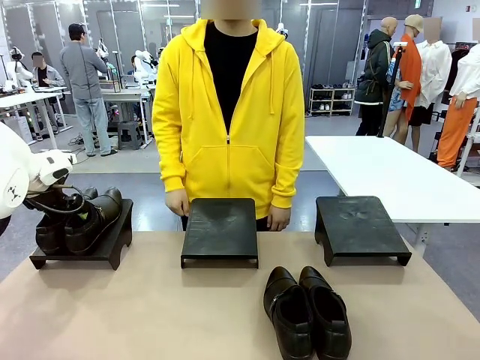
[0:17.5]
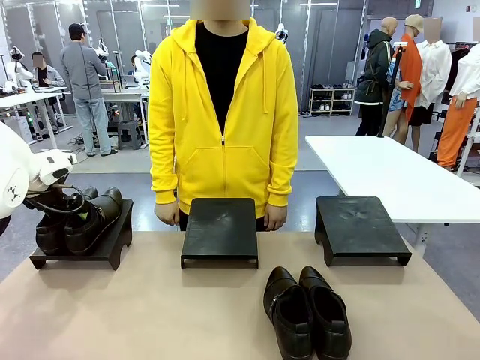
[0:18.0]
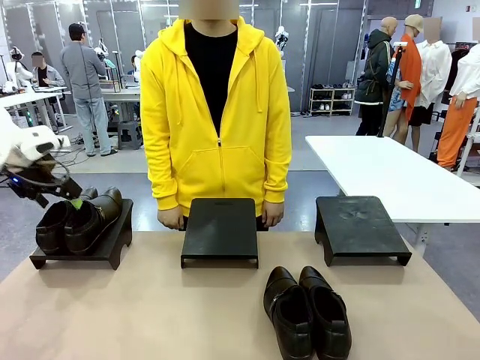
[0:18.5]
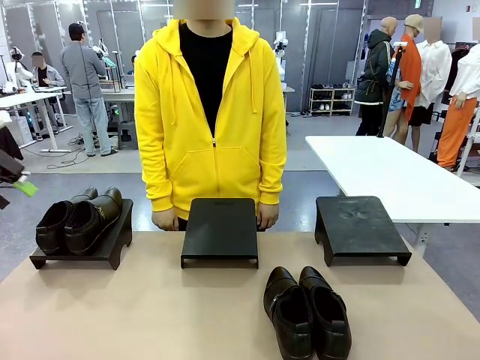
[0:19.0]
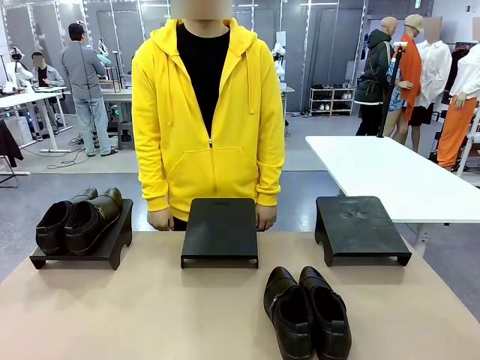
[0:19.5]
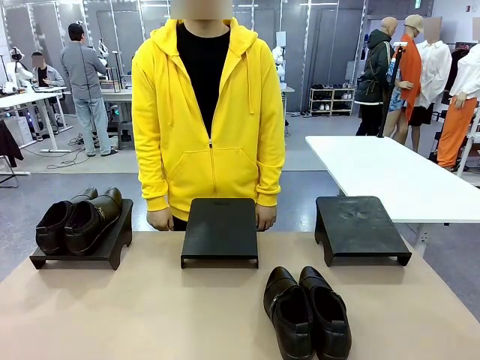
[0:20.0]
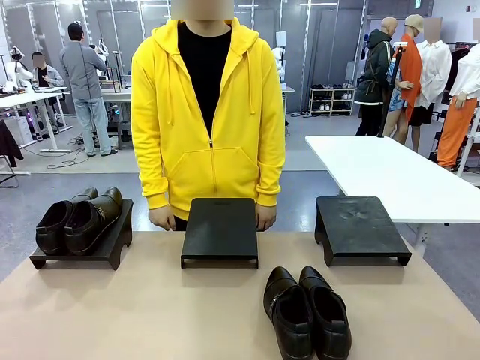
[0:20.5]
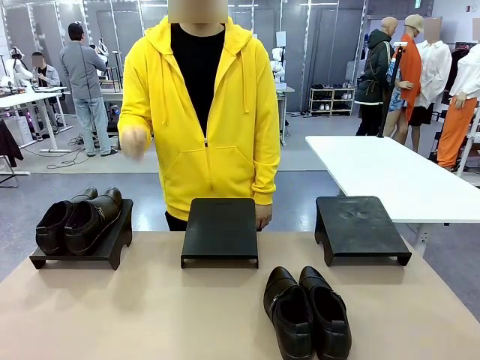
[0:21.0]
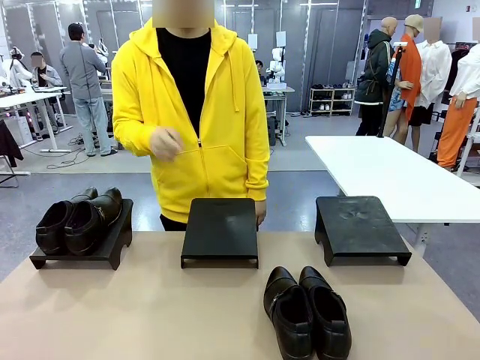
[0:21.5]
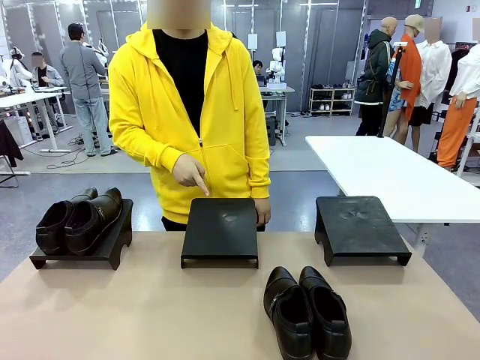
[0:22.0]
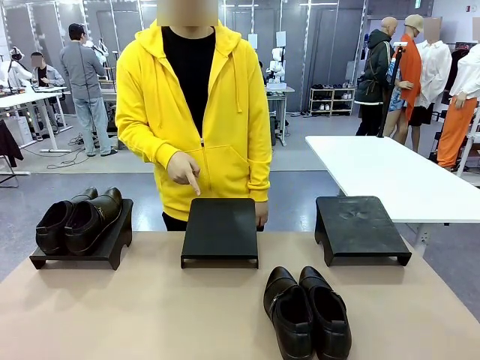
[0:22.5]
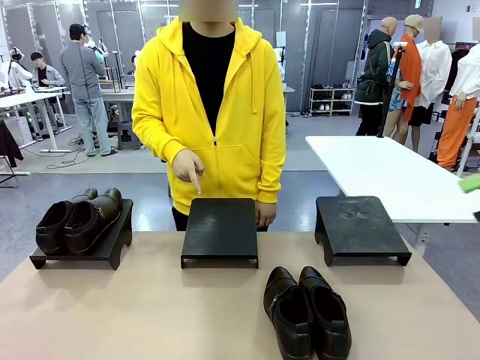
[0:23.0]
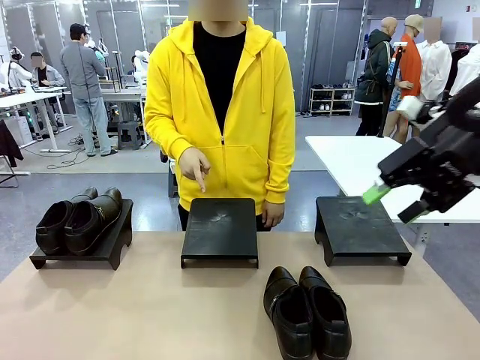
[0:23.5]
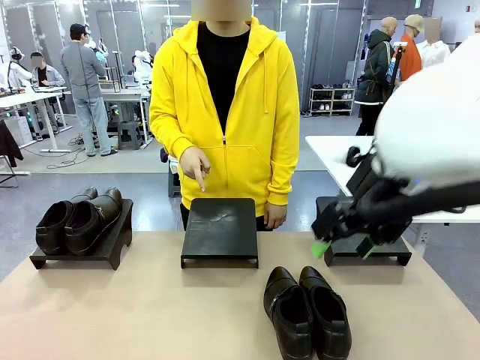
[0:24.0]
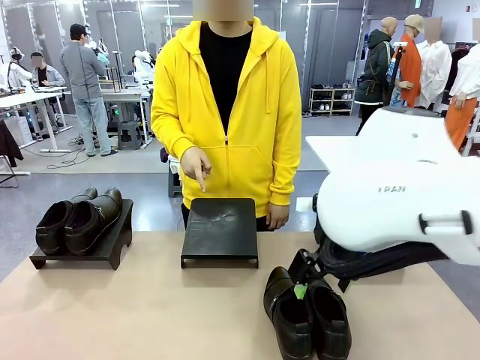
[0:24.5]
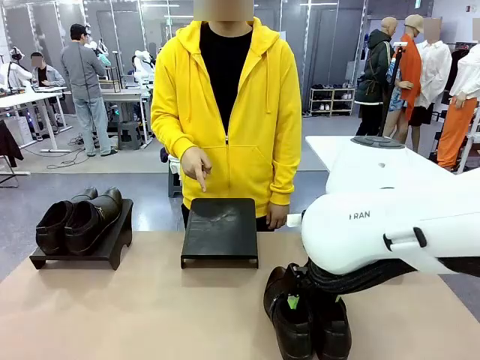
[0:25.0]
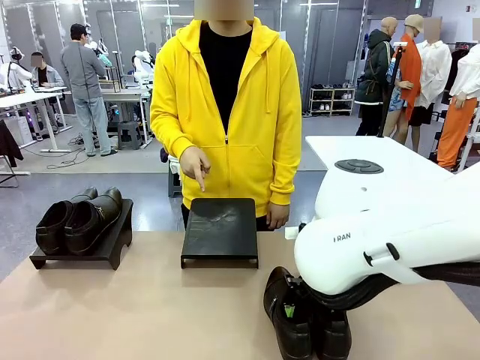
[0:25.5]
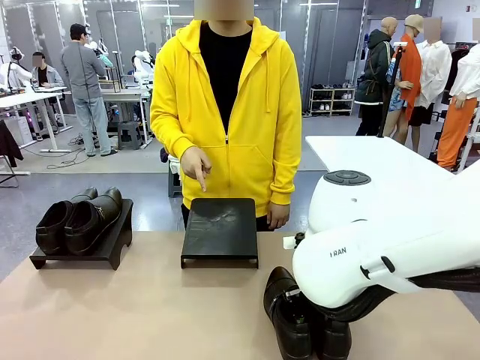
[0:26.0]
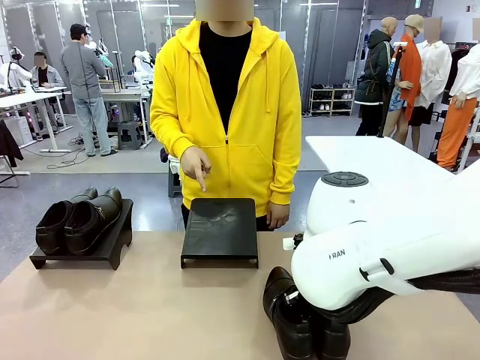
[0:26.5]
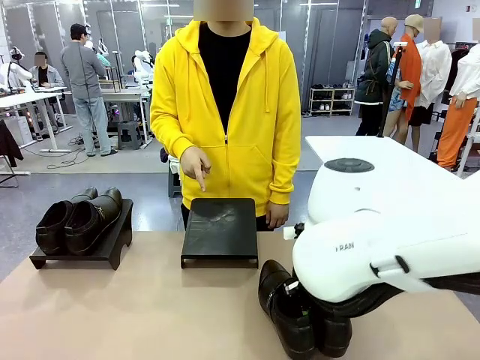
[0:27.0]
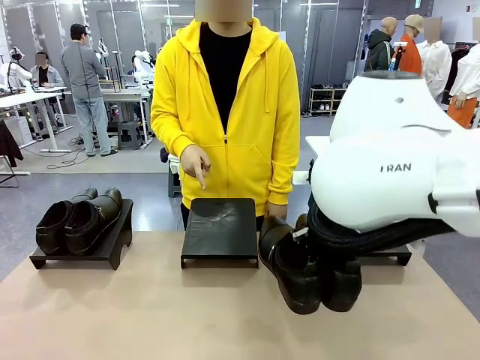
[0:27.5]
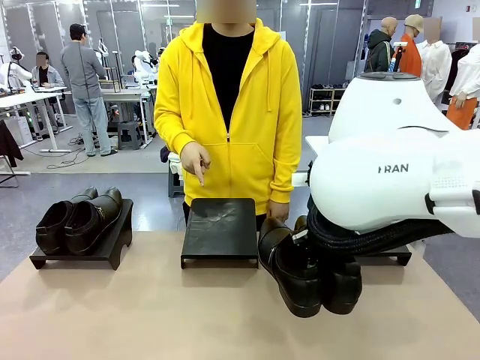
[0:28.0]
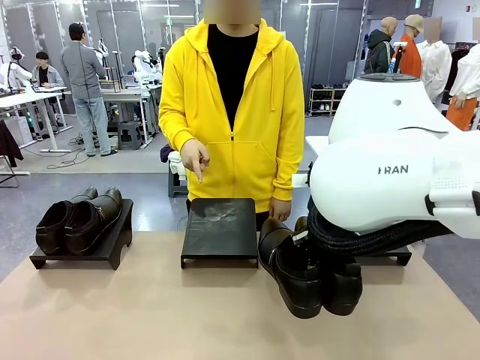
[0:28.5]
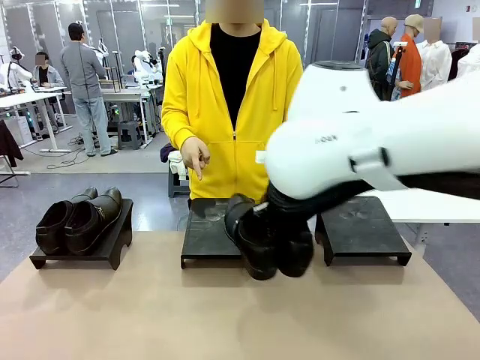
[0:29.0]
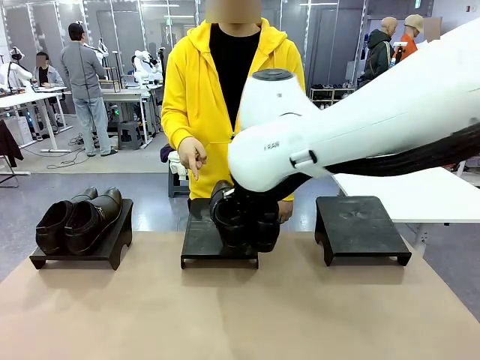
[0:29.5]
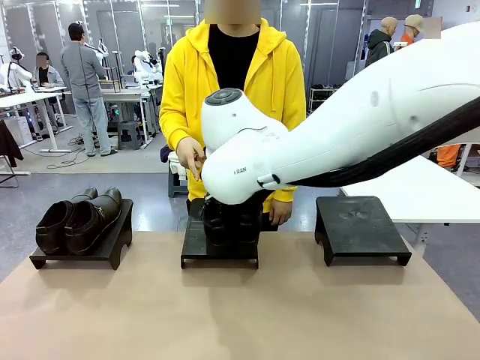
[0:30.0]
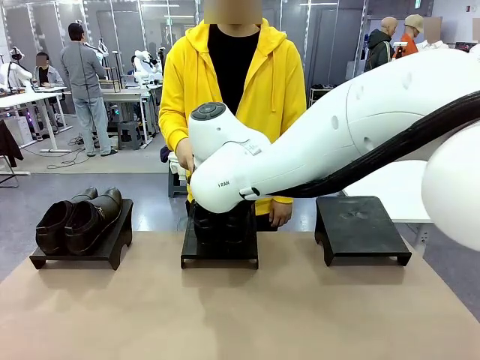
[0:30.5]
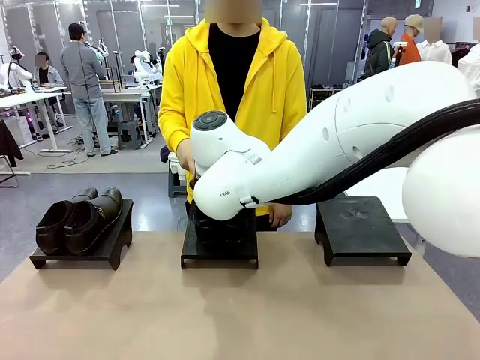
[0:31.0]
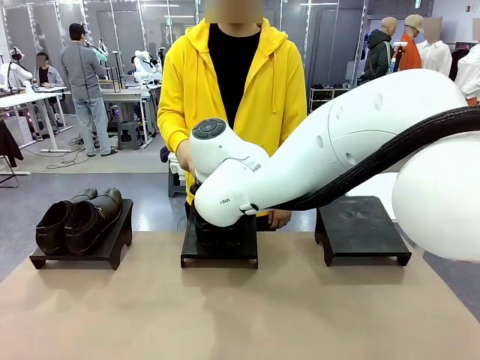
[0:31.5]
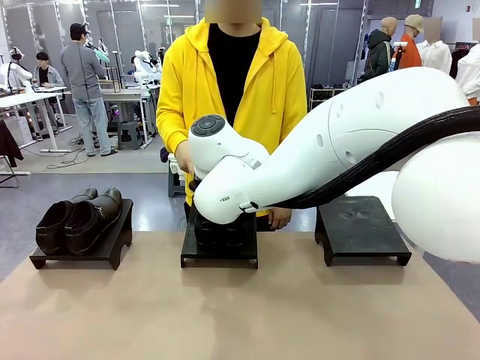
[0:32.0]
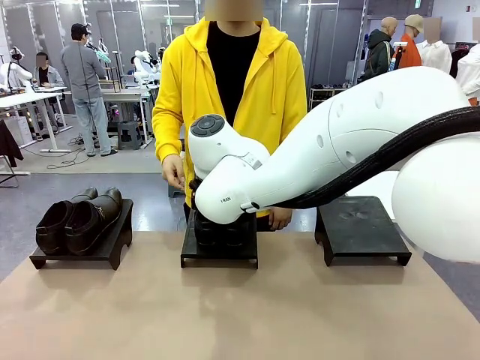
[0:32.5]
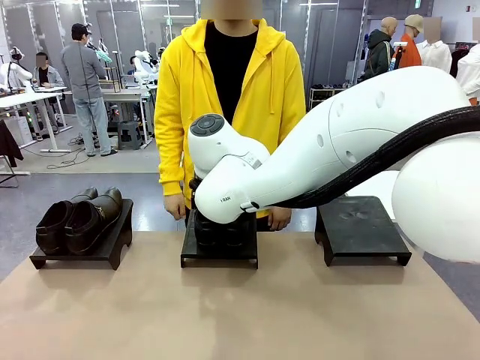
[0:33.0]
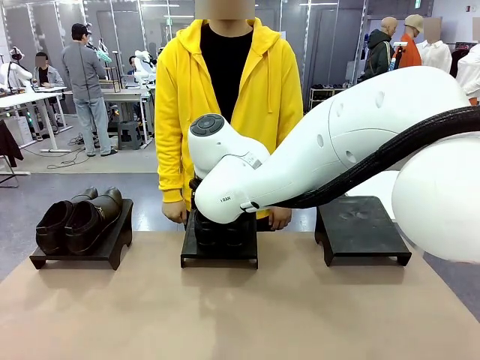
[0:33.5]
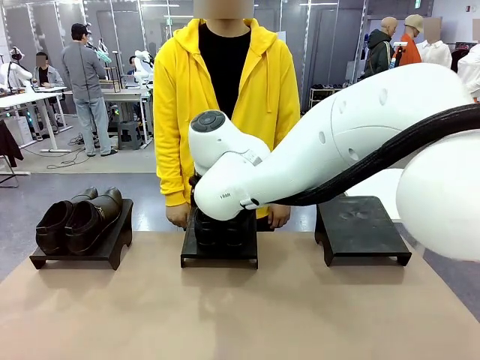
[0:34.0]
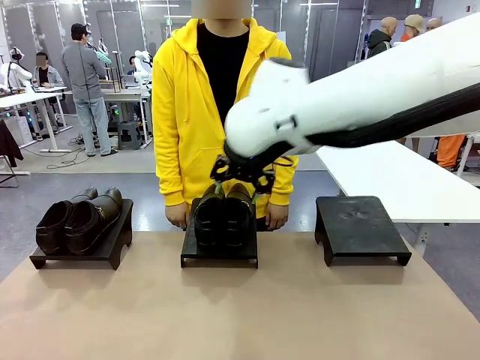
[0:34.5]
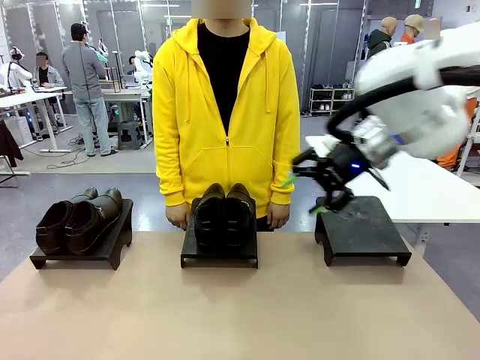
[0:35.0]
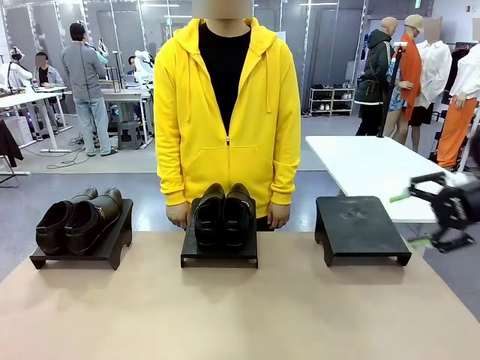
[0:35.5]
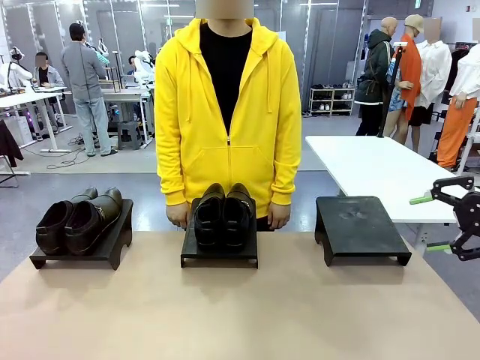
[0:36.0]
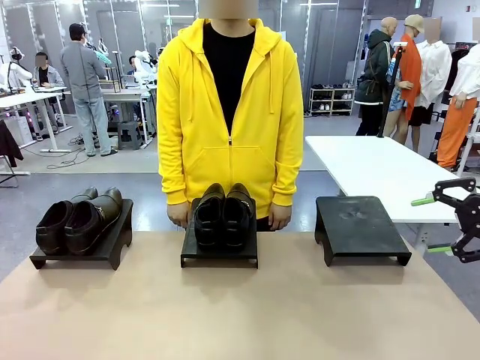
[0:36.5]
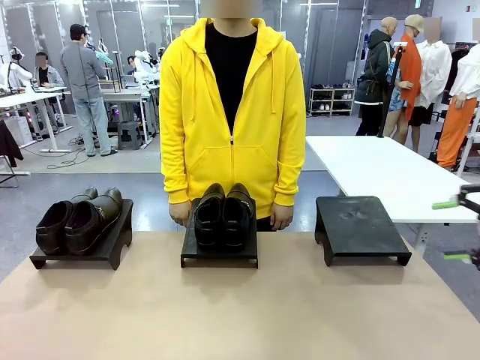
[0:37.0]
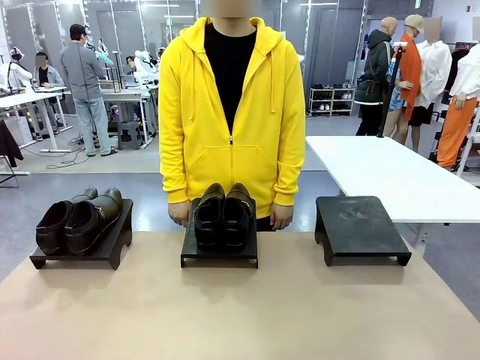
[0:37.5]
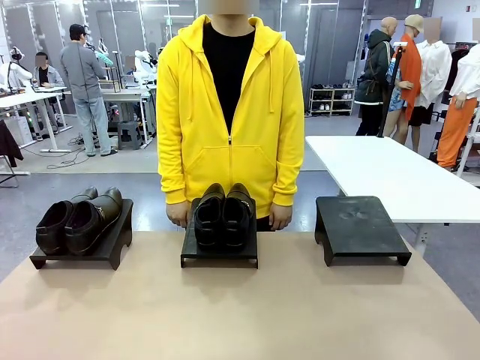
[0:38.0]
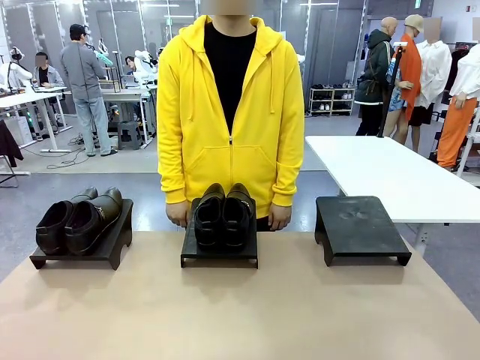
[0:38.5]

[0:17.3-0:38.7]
Task: Place the shoes on the stand as instructed by the person.
Robot: Pick up another pair of Shoes and place it on the Shoes Stand indicated by the person.
Person: Point to one Shoes Stand.

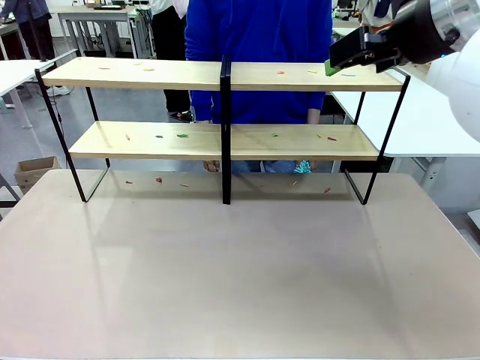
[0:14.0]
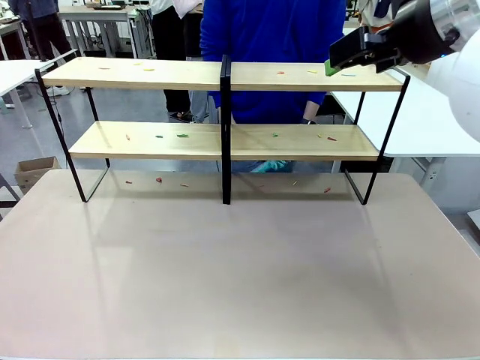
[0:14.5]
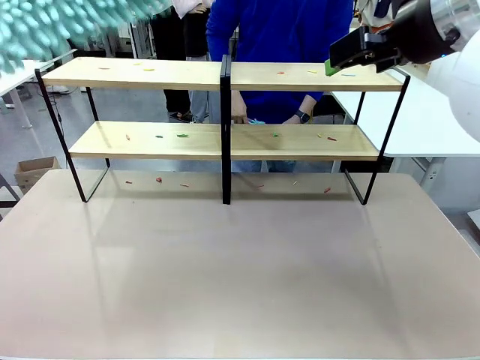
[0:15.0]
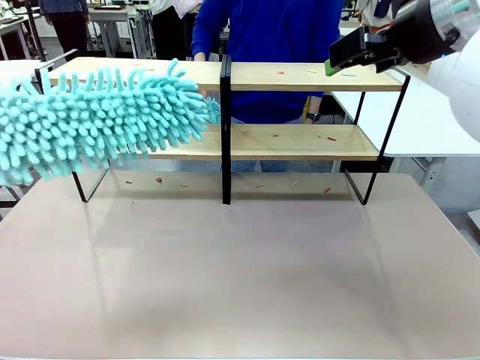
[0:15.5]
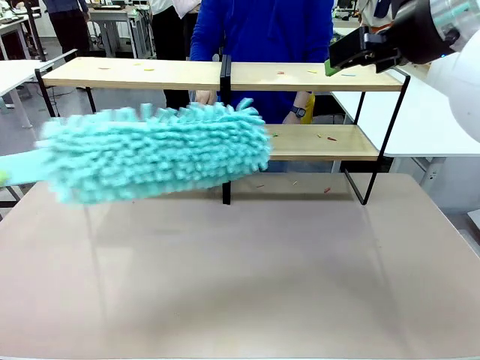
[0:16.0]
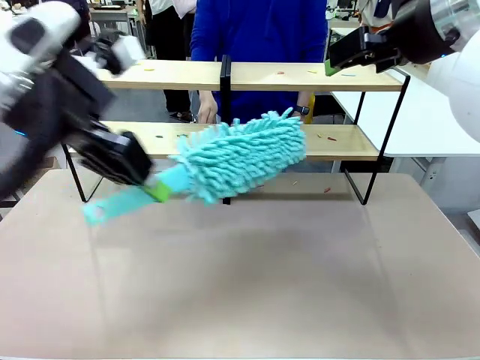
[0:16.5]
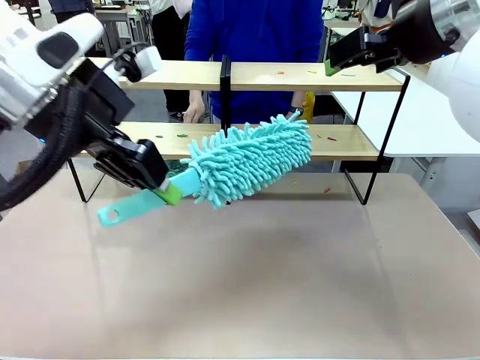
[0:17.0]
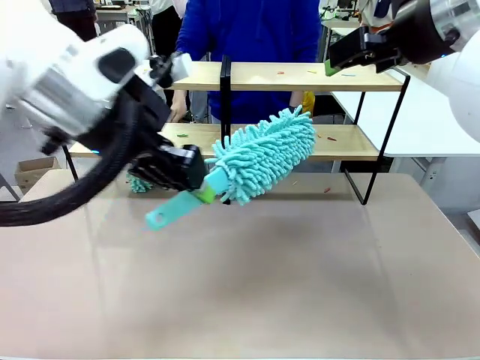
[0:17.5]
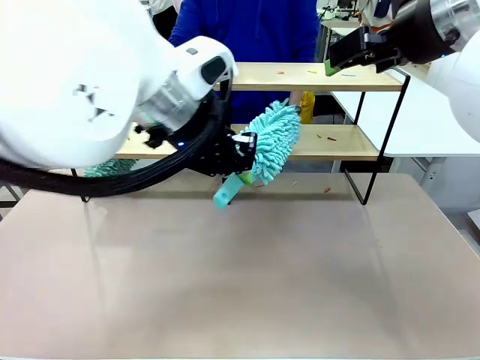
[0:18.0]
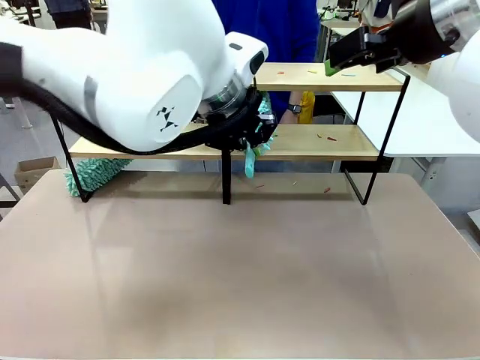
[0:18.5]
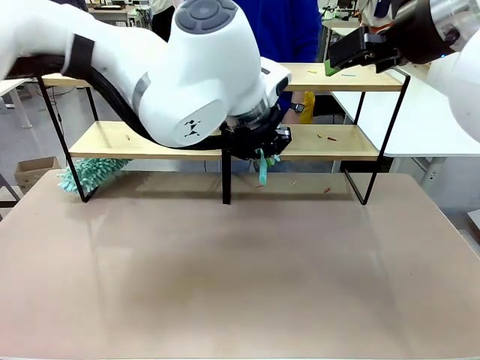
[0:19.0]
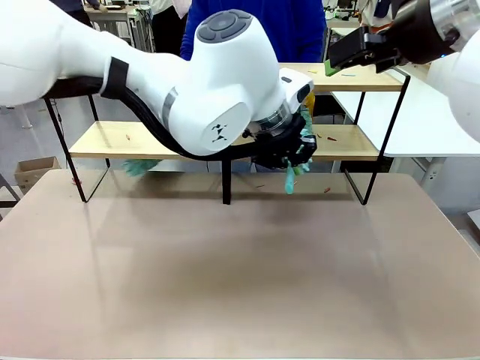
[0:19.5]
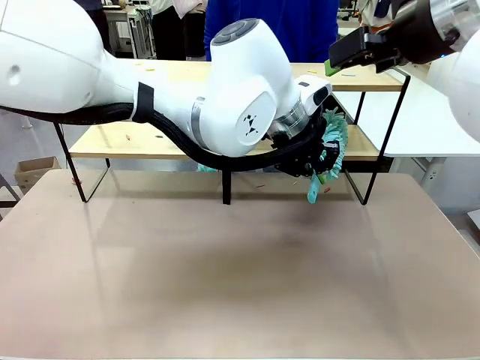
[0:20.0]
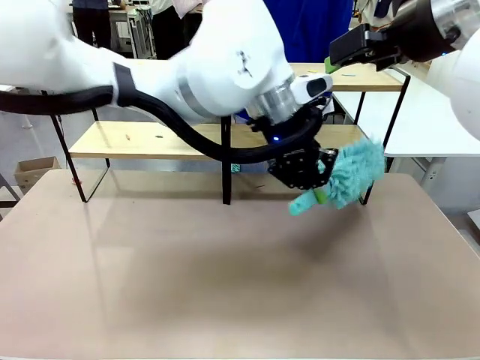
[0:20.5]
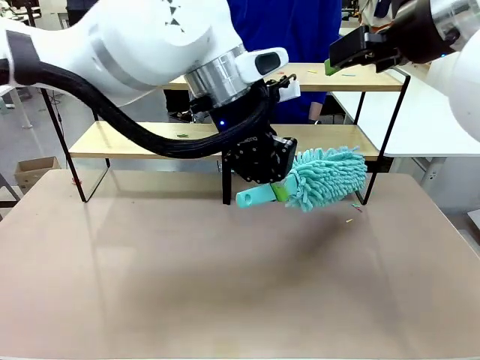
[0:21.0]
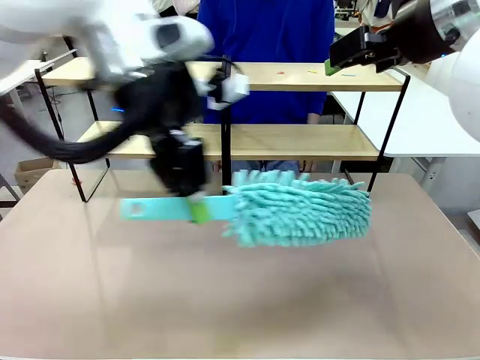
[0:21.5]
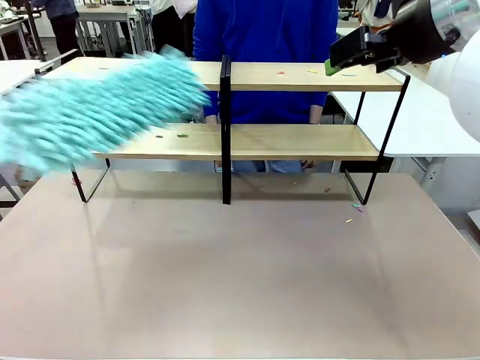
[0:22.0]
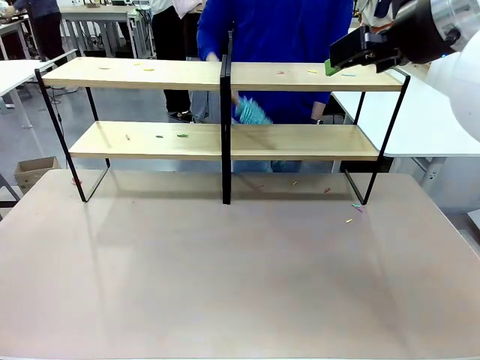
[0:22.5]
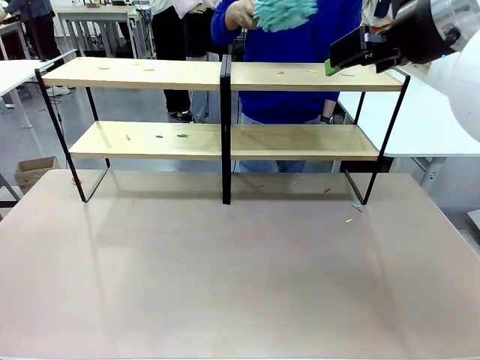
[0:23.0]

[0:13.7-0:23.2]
Task: Clean the shelves.
Robot: Clean a randomly selected level of the Shelf with the Duster.
